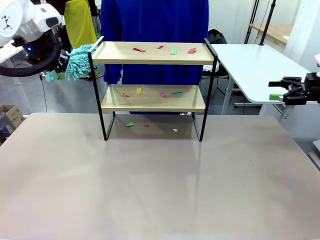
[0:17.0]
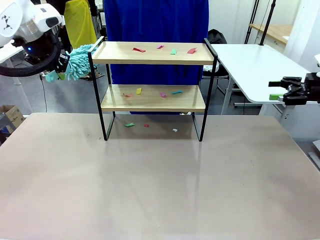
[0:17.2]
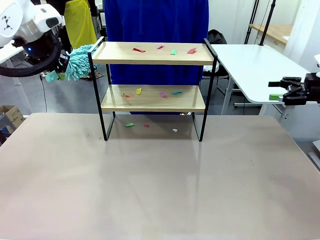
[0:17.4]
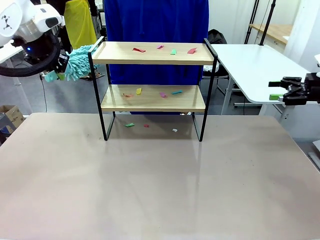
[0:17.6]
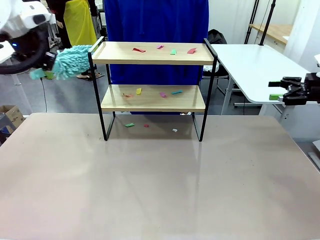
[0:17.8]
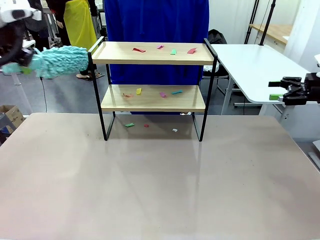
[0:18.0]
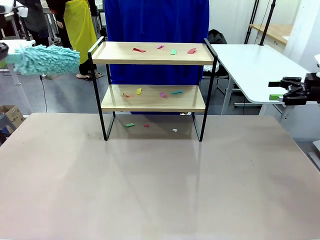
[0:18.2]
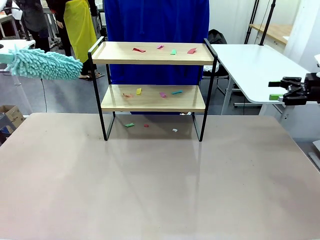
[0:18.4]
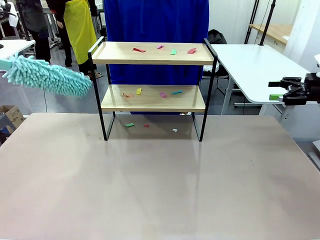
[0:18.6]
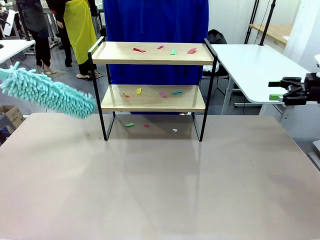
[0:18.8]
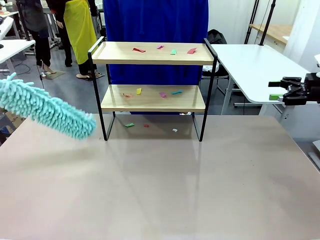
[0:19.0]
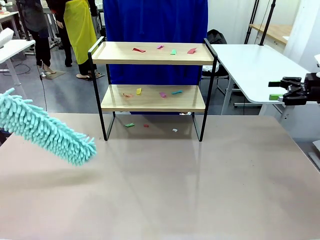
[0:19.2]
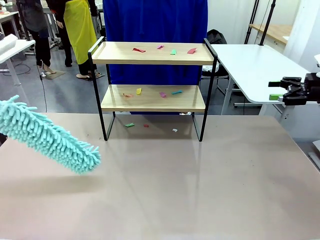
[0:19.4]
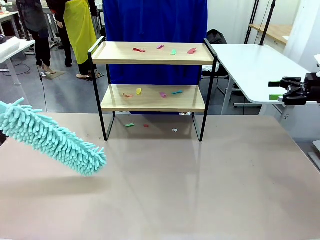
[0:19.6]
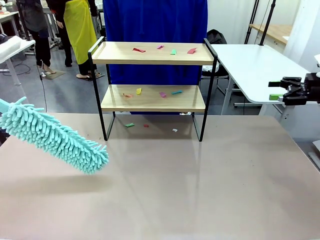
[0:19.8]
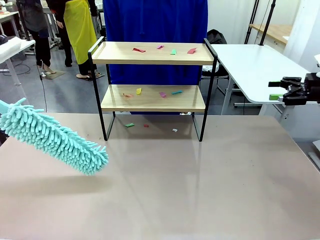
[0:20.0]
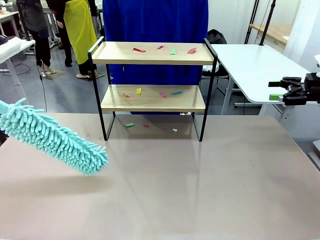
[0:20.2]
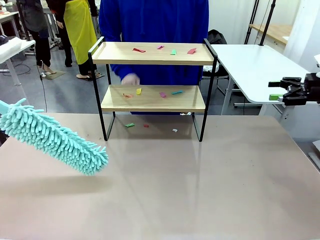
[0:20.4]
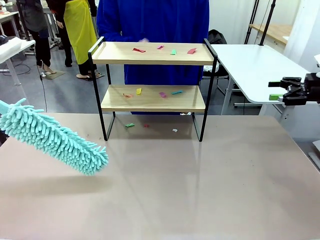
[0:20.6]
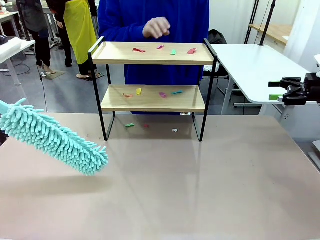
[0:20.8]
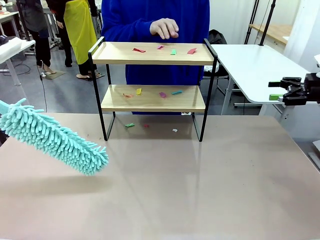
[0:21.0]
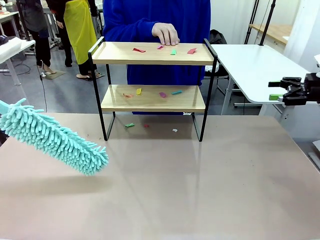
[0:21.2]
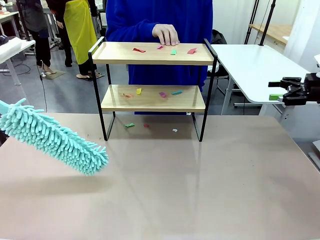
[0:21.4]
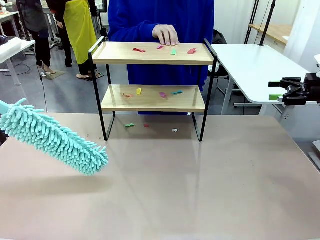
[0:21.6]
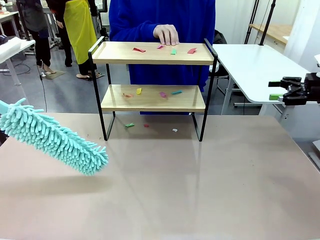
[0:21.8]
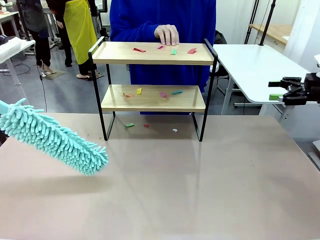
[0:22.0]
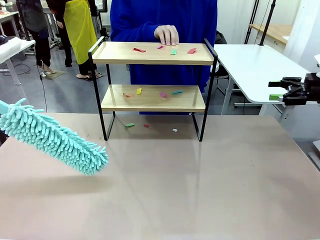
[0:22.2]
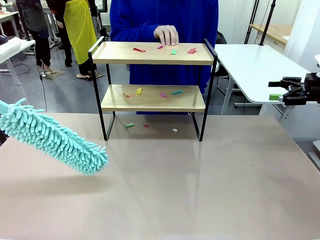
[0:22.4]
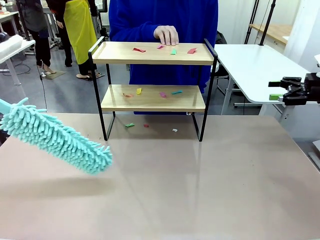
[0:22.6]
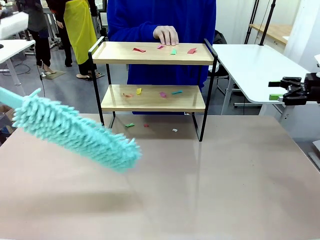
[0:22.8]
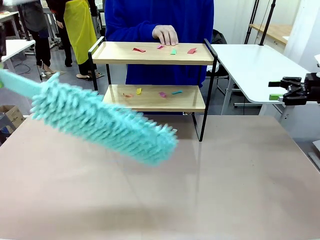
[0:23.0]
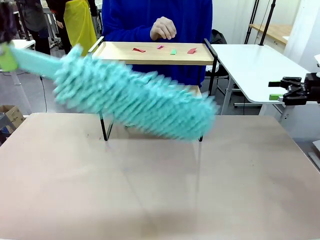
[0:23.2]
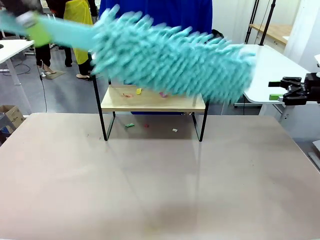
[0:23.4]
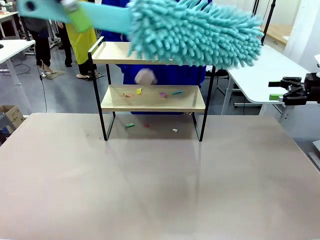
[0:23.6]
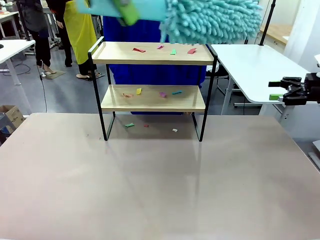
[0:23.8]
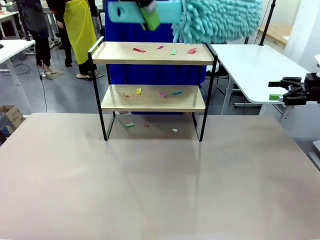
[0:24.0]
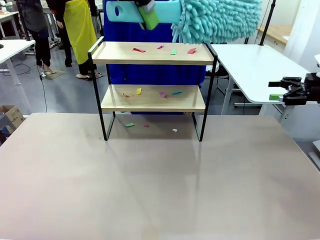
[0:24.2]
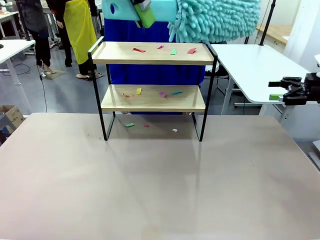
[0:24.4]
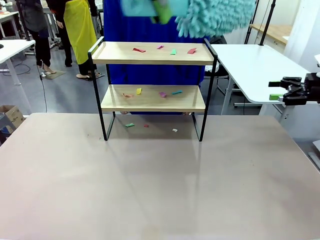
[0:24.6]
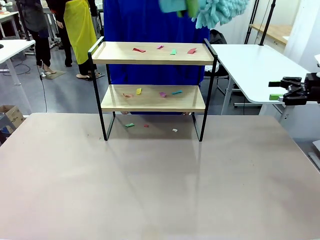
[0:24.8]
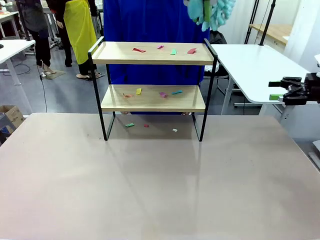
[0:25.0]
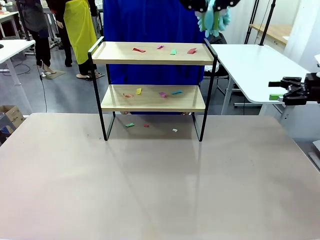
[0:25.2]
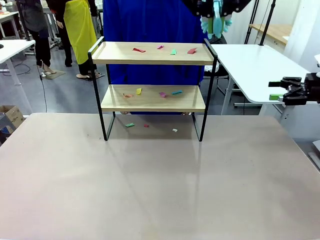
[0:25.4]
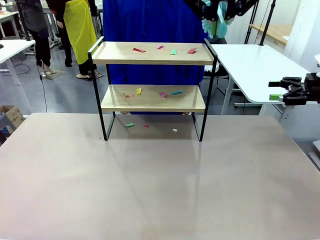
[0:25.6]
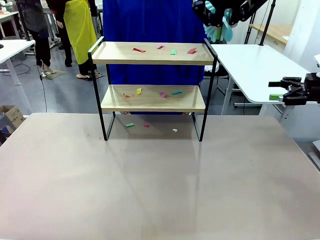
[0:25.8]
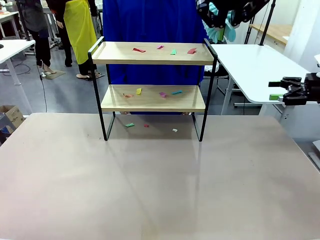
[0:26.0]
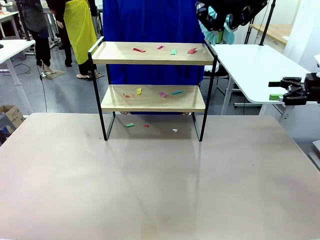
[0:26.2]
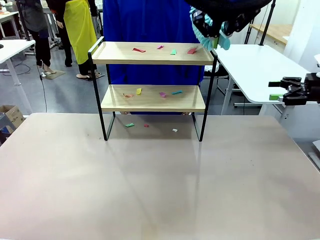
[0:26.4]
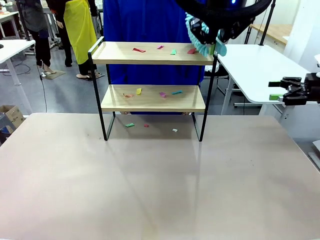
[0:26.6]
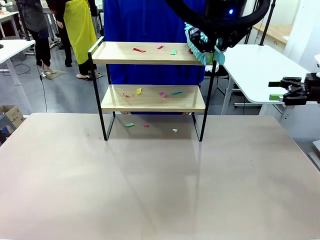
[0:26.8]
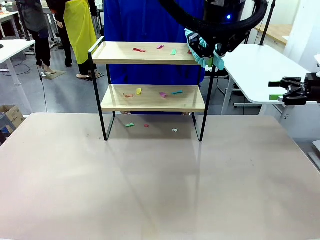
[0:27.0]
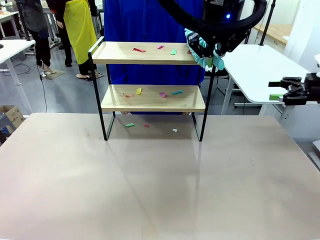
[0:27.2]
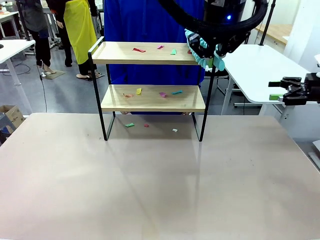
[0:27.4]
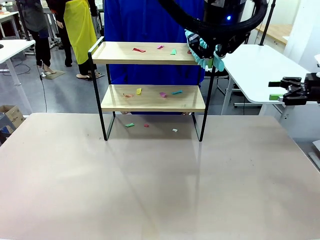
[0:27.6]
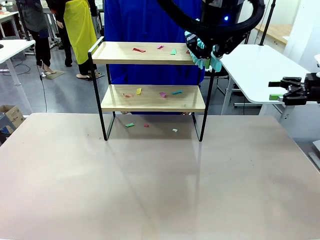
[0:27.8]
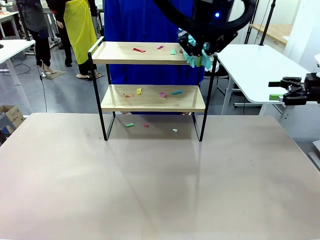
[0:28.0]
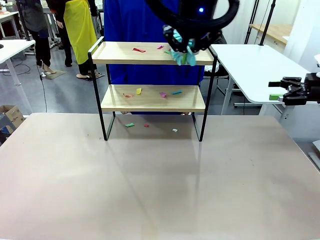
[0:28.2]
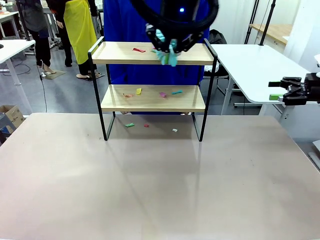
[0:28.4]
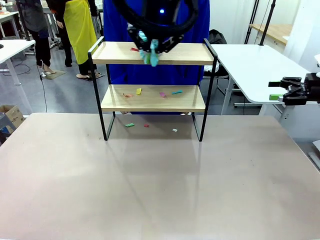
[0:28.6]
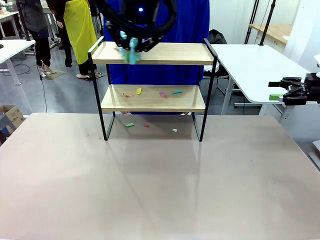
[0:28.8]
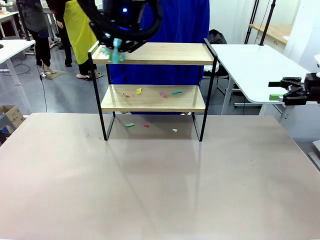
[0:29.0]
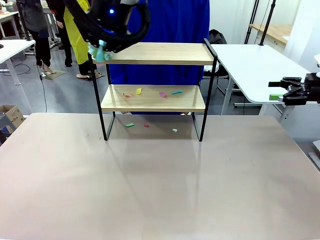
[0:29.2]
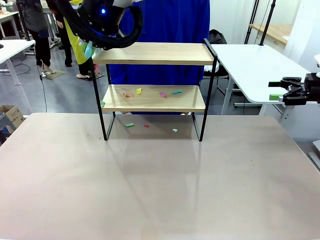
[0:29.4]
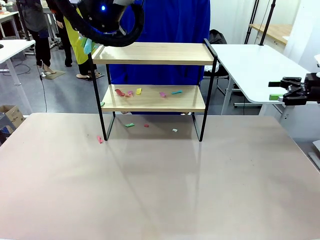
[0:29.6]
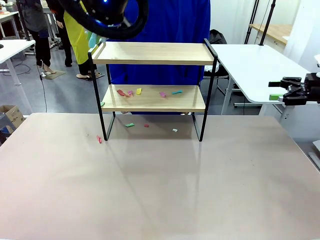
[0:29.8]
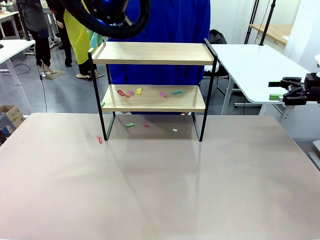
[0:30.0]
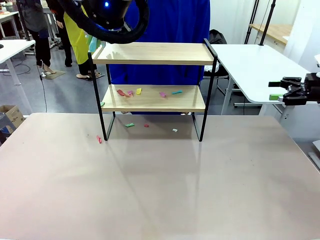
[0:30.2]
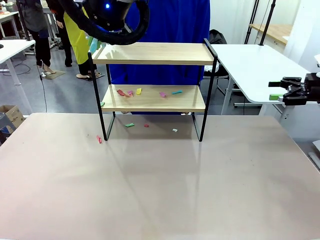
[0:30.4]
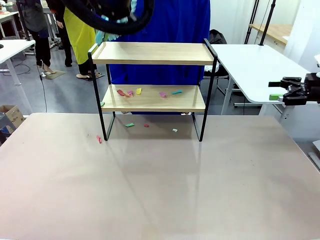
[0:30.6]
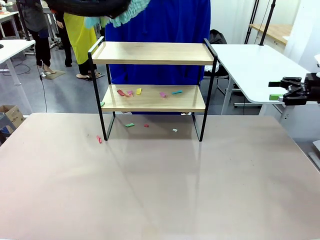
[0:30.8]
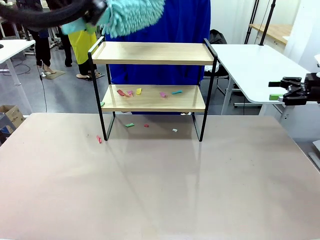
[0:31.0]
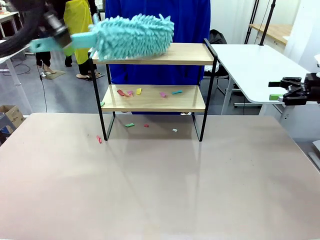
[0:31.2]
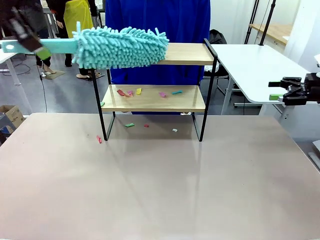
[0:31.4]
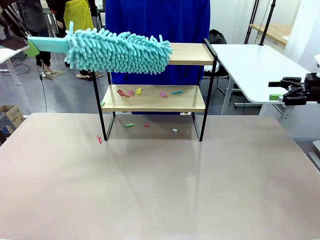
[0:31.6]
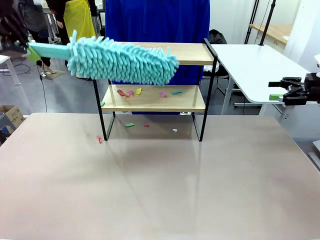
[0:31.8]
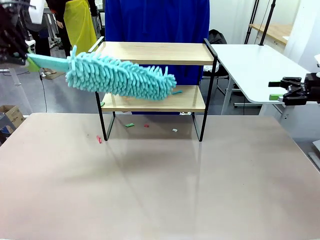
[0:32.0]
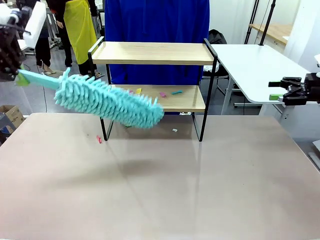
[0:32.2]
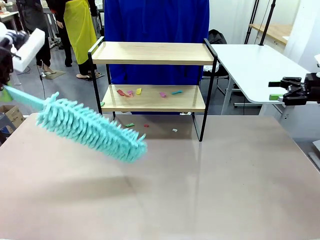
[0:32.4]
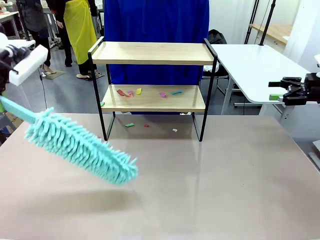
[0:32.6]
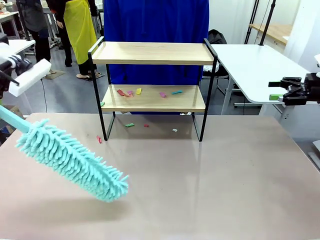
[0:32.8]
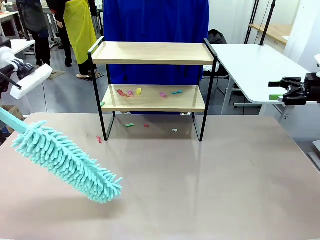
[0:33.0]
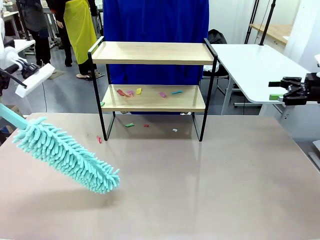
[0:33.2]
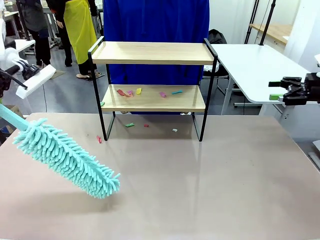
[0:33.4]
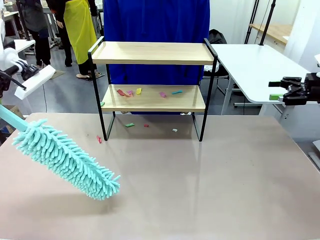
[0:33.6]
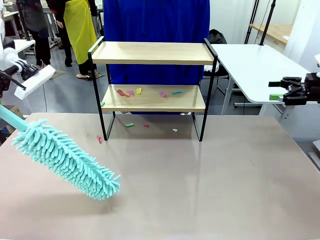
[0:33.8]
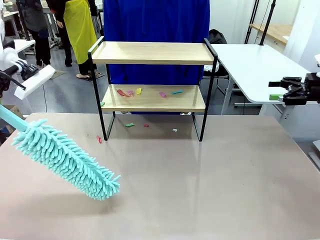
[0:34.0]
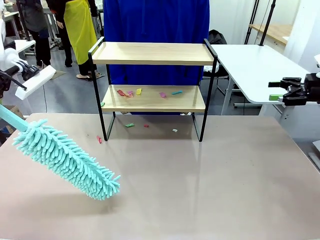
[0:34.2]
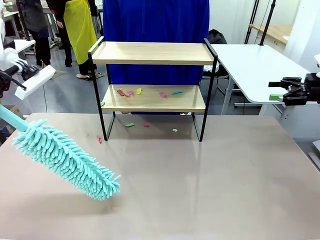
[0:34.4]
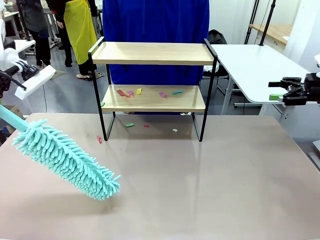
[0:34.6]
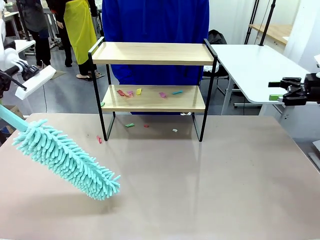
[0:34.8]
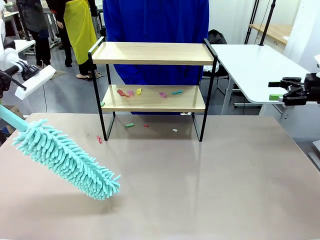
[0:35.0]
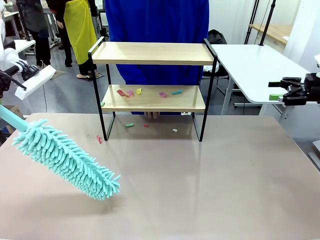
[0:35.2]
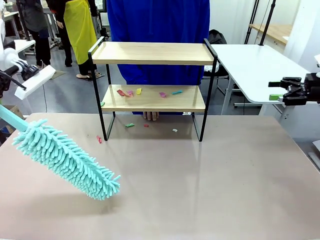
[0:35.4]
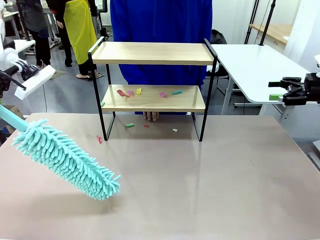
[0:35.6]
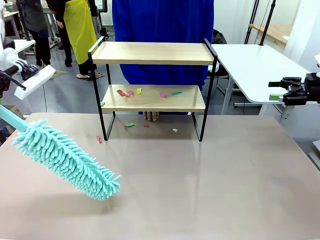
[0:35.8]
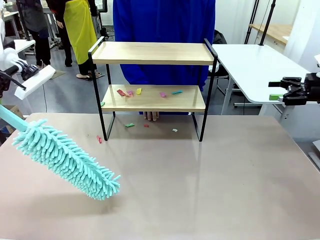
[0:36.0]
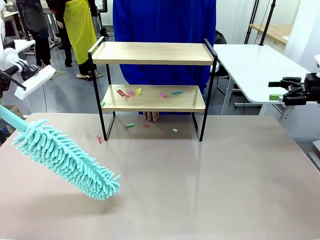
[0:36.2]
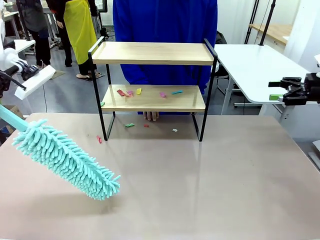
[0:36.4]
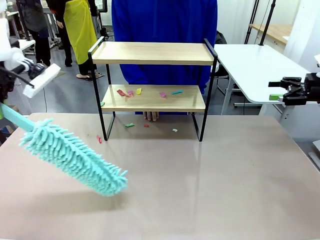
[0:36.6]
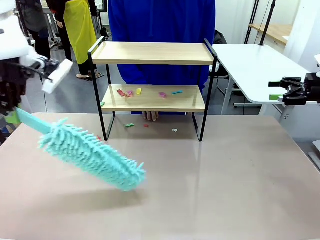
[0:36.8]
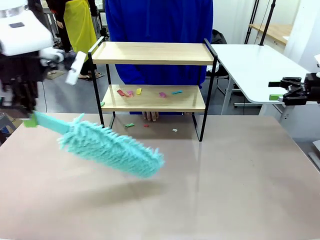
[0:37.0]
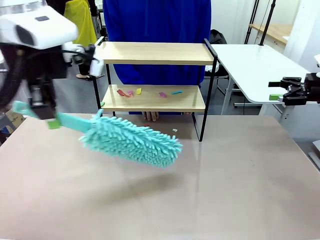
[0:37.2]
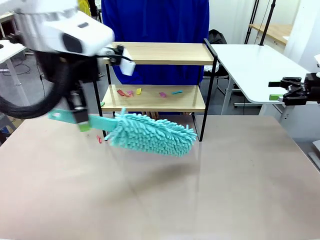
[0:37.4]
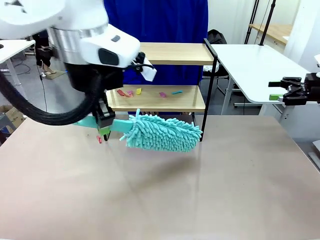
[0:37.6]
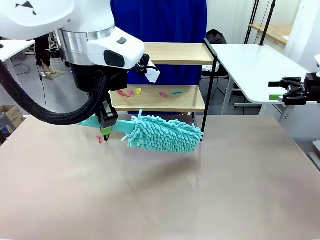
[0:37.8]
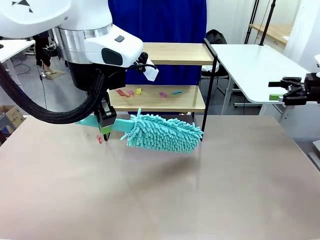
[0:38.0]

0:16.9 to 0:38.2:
Task: Clean the shelf.
Robot: Clean the specific section of the Shelf indicated by the human with the Duster.
Person: Point a random section of the Shelf.
